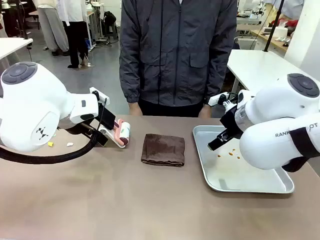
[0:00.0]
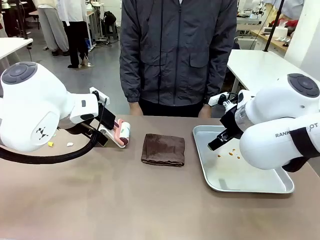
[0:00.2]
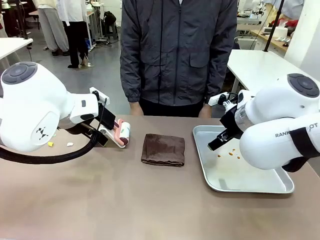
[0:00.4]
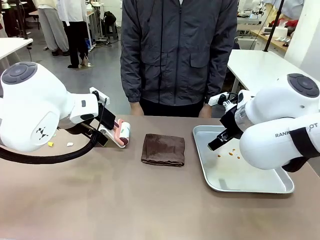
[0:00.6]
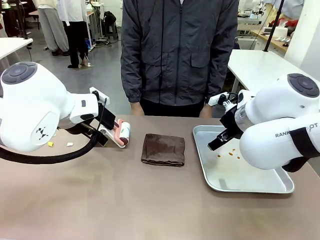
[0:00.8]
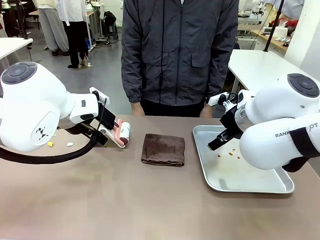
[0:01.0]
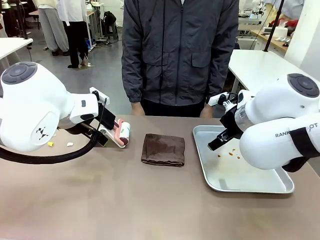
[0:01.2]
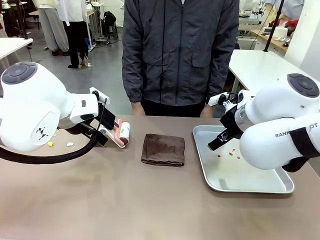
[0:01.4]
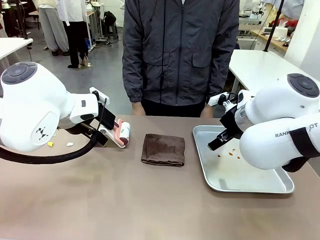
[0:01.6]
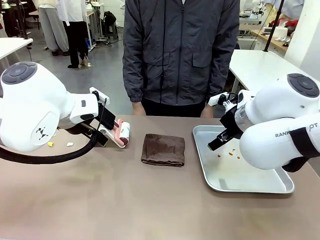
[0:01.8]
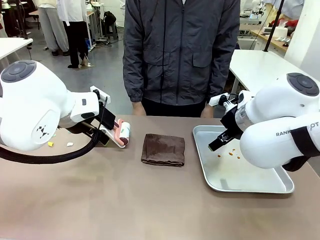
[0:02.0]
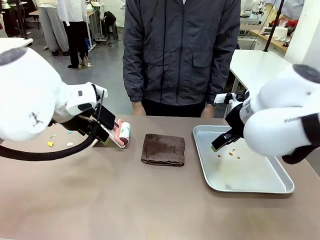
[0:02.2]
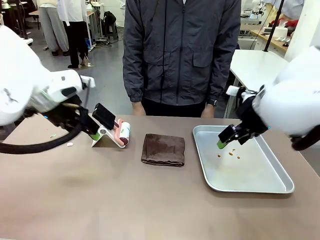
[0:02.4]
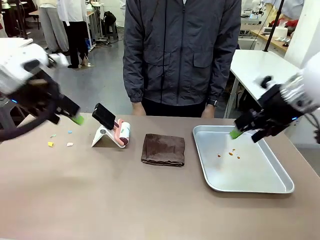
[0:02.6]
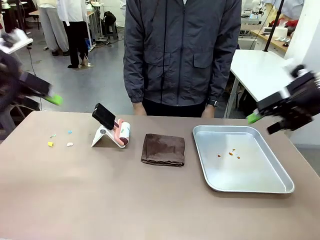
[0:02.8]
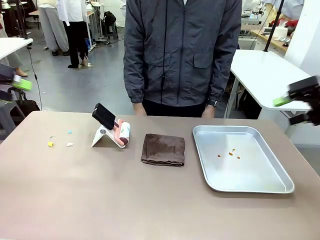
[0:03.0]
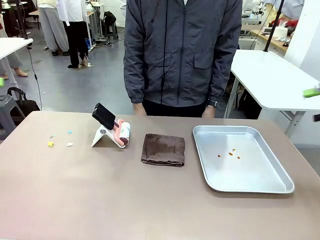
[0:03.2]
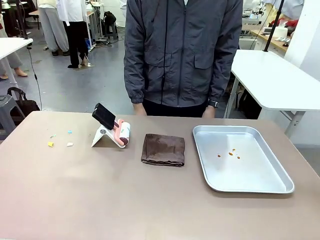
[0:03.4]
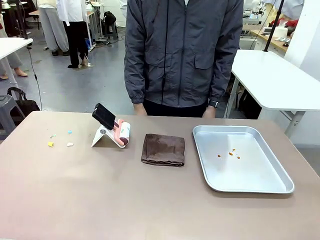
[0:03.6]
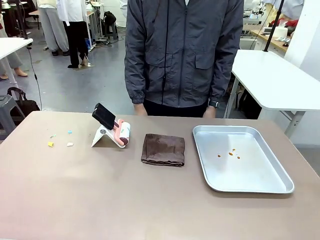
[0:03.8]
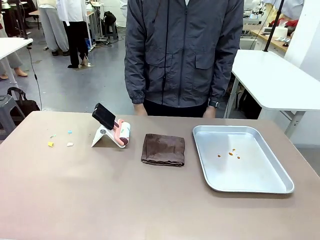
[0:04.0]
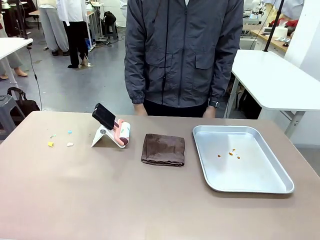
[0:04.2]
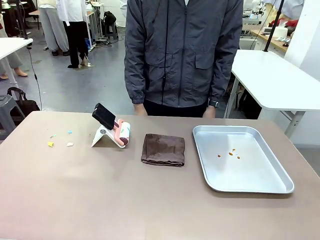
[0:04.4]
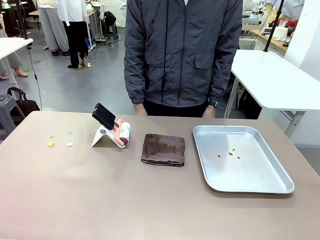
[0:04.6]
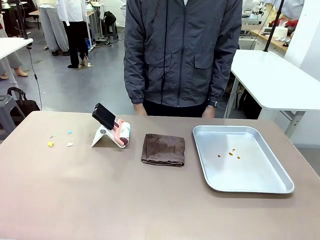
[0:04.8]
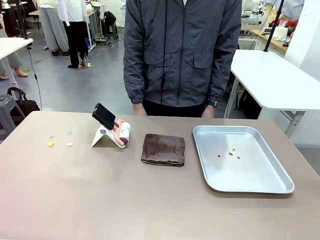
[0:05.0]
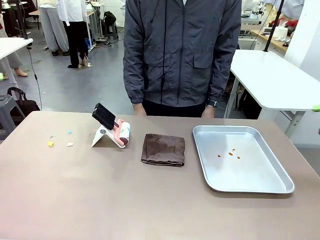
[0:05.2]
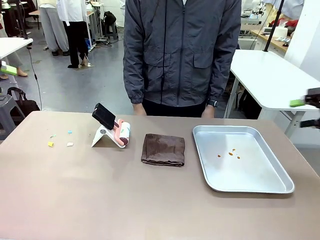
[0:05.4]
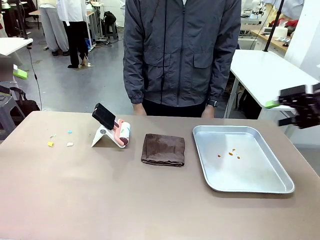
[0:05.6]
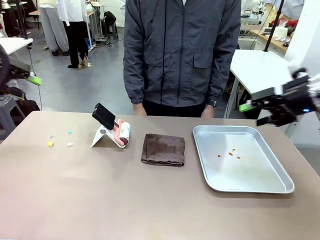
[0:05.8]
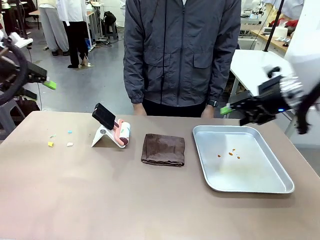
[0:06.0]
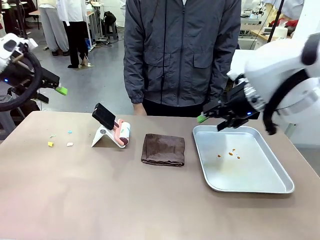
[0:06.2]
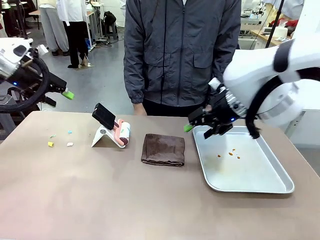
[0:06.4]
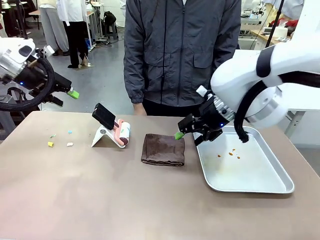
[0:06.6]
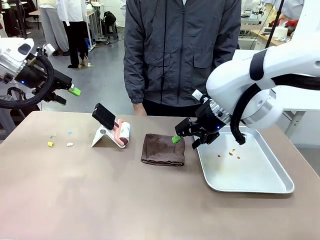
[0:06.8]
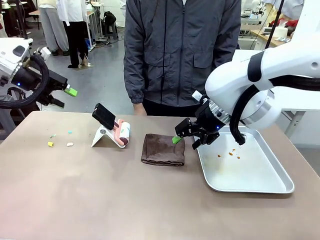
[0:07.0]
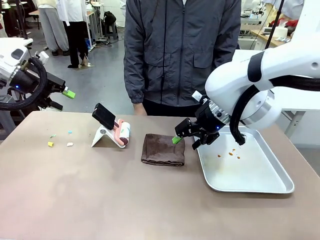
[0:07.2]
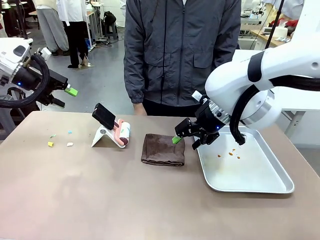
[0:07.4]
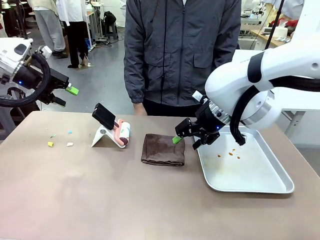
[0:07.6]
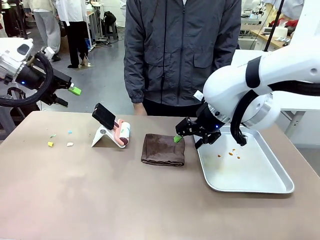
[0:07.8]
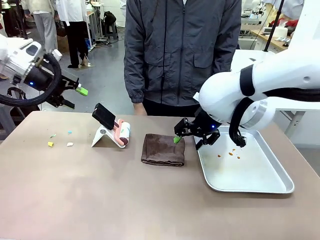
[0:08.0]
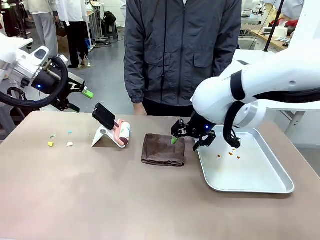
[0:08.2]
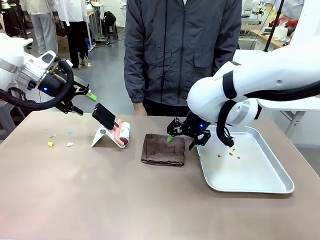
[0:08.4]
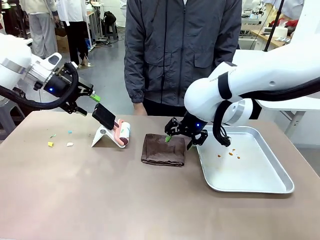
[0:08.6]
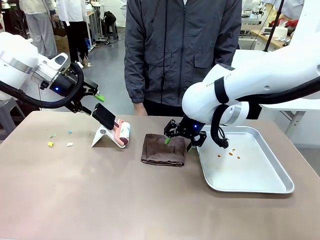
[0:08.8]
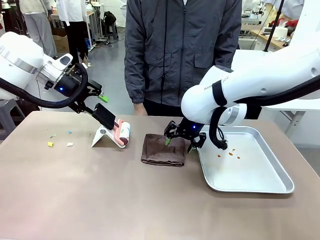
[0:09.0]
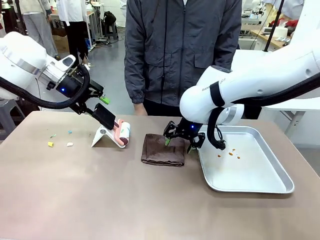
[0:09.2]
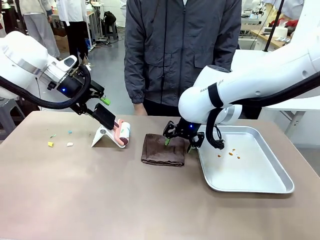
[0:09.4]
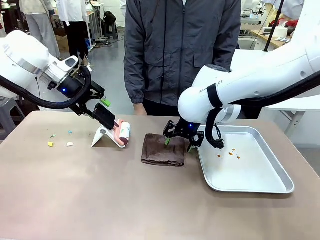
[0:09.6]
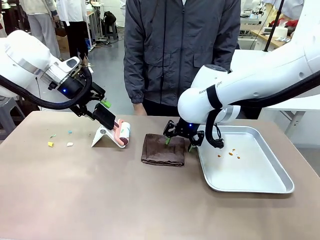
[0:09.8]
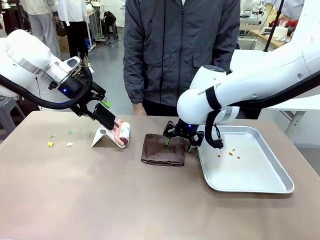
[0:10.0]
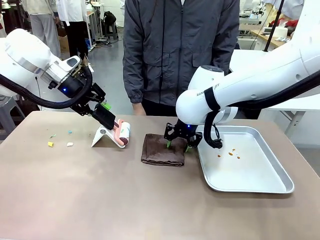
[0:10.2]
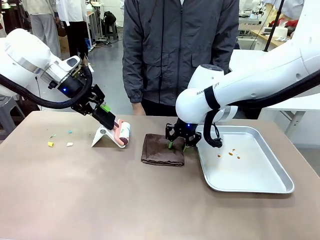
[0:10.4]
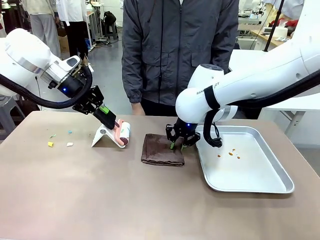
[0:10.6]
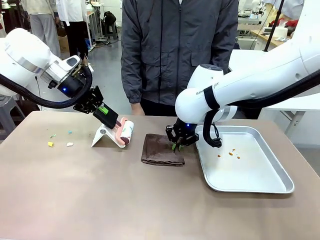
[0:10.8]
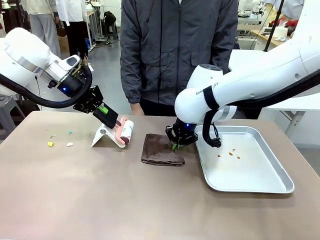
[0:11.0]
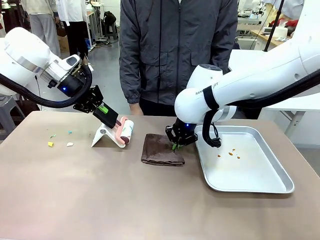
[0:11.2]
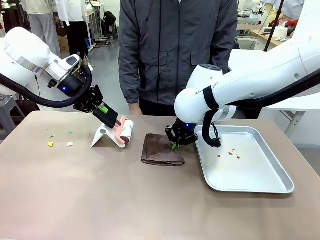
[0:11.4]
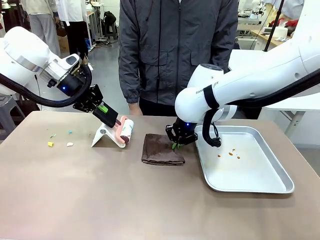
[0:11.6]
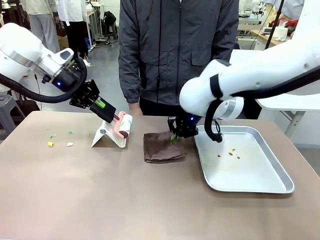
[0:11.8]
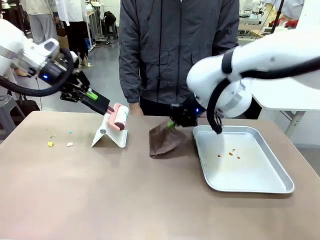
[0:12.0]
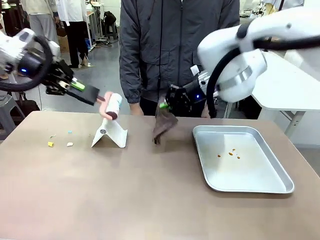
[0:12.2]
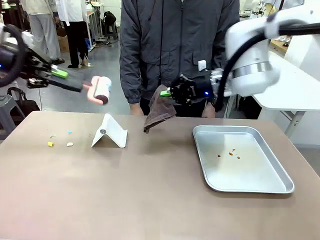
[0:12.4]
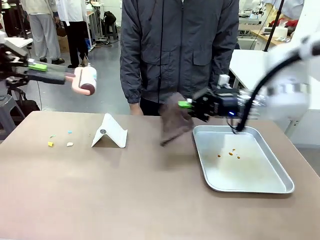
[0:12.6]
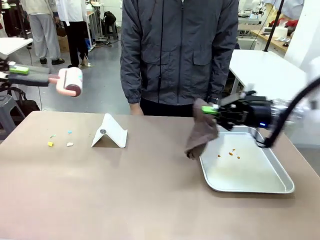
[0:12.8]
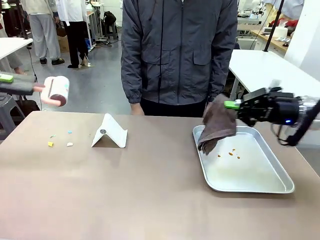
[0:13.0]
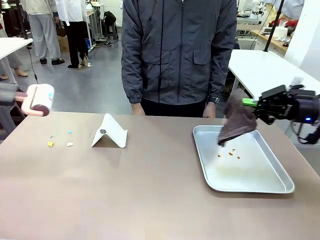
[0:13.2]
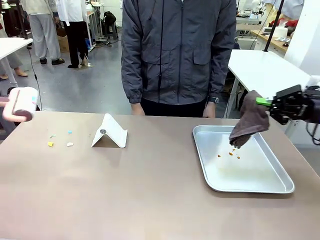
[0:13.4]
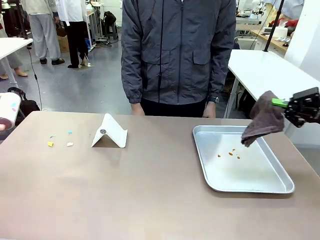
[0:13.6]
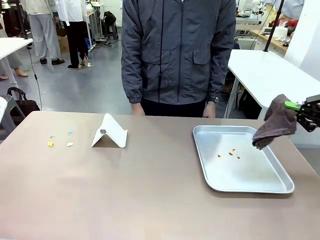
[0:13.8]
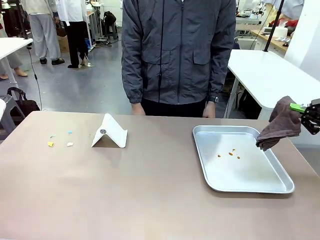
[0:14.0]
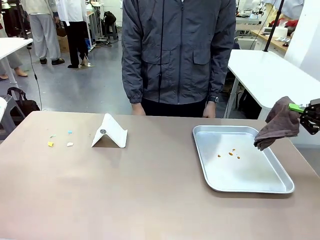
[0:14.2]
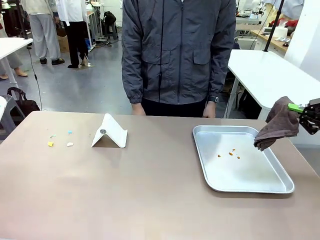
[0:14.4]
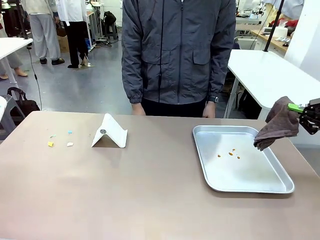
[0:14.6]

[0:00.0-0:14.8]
Task: Clean the surface of the table.
Robot: Hold the Lint Roller with your left hand and the towel with your right hand.

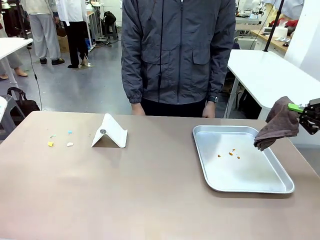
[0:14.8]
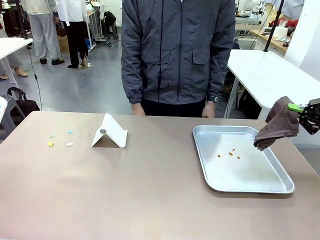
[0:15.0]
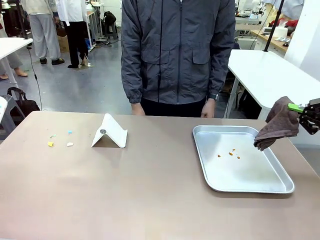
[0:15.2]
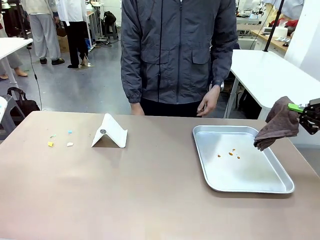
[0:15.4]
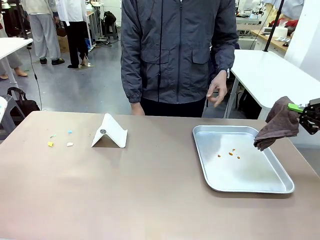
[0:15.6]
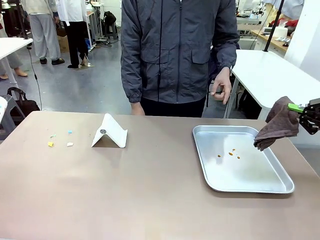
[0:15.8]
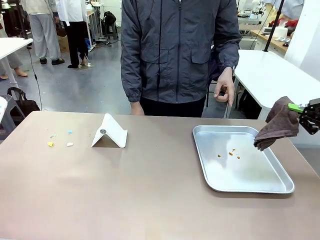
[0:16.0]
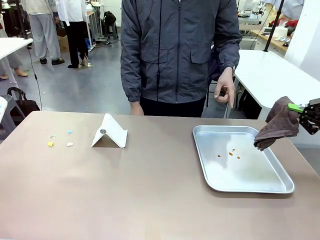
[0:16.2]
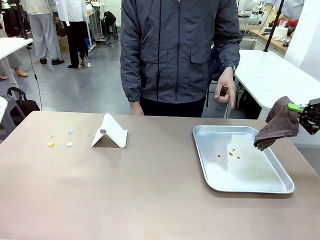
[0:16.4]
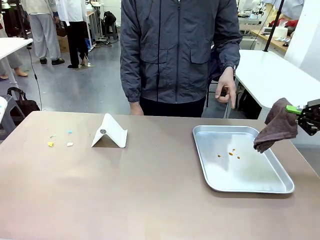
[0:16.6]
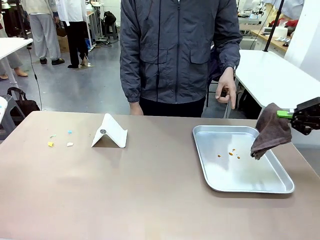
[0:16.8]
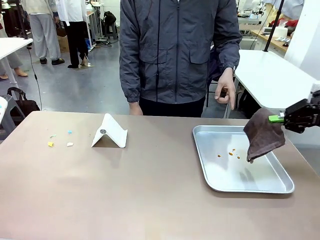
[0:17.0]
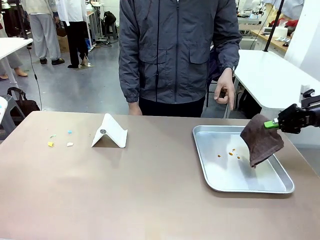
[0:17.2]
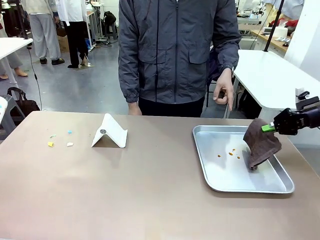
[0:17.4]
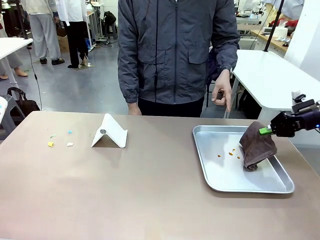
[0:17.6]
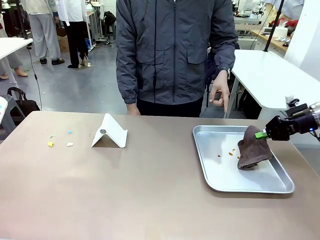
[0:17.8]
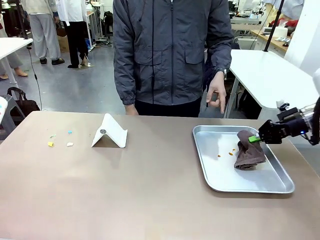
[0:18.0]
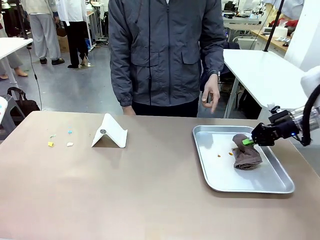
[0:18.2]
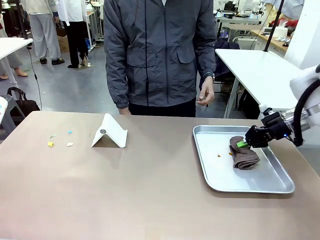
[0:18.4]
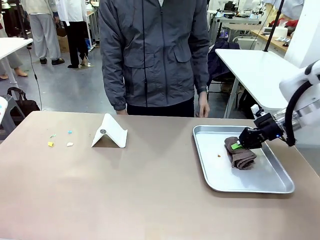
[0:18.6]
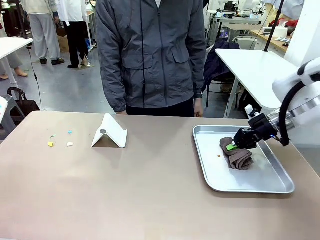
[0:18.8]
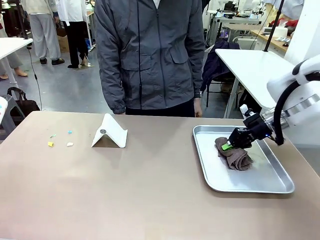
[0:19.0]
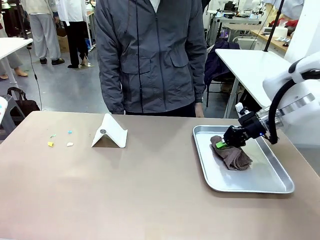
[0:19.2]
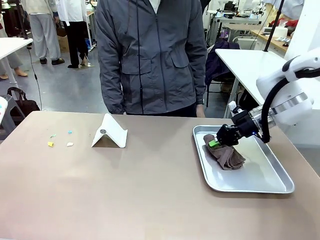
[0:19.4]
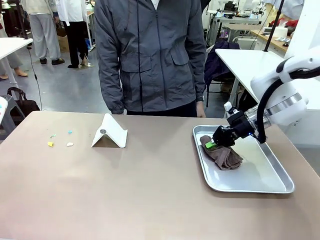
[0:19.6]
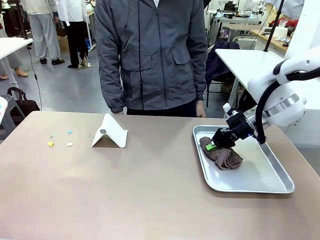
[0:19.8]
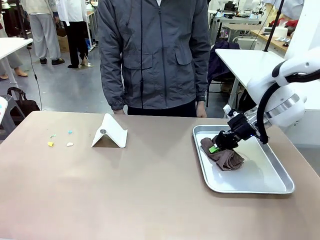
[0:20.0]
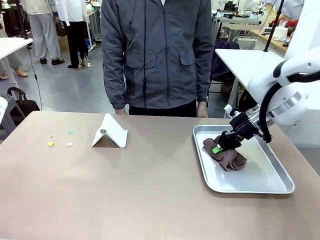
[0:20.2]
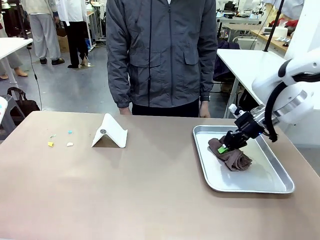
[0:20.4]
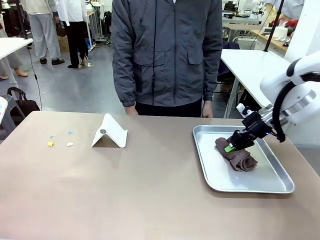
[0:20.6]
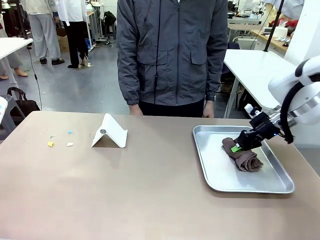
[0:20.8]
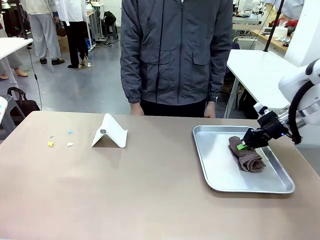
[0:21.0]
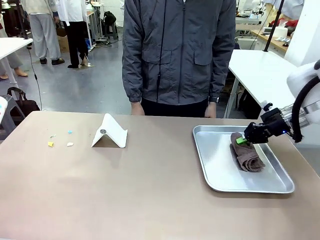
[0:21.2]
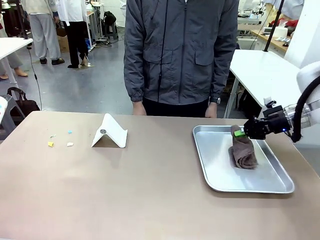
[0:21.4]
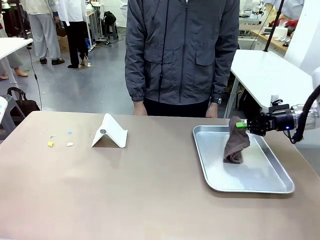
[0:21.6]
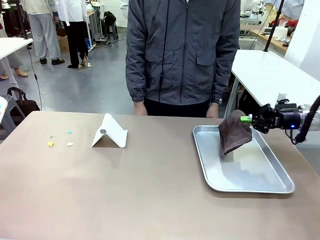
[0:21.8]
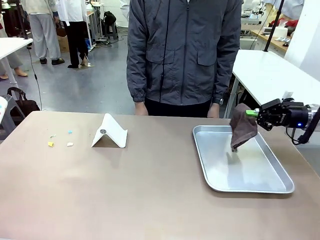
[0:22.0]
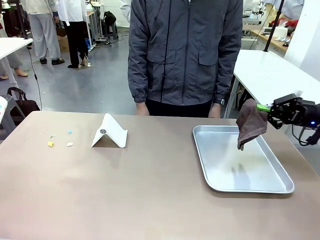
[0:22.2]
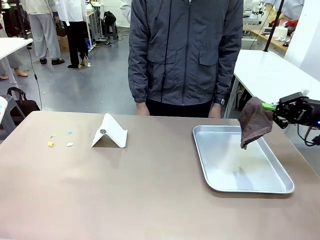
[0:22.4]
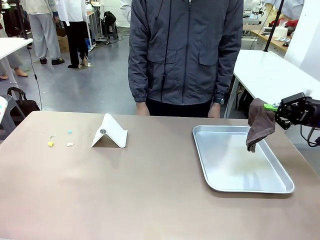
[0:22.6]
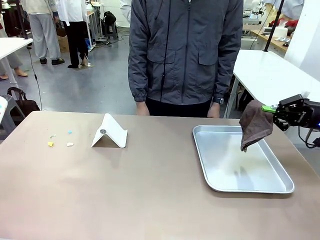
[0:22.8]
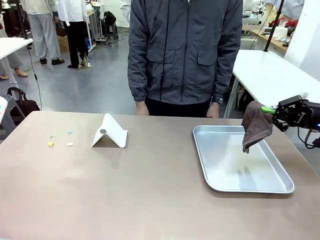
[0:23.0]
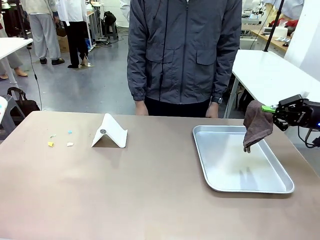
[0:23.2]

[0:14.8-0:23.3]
Robot: If a person points to the right, clean the right side of the table with your right hand, and if they point to the left, clean the left side with your left hand.
